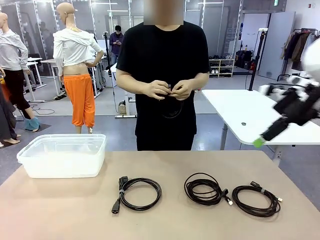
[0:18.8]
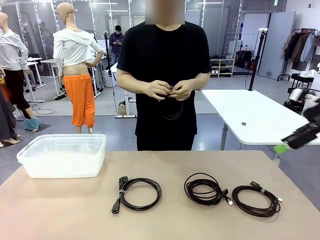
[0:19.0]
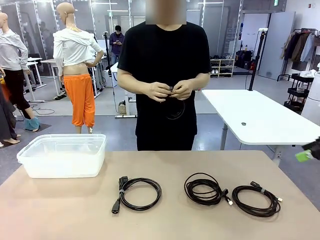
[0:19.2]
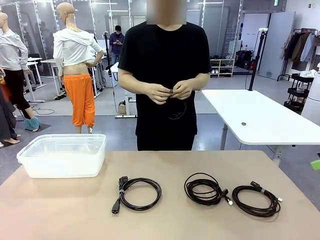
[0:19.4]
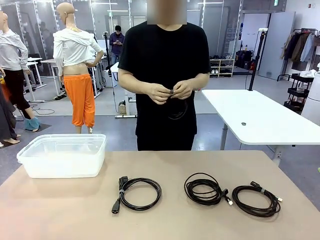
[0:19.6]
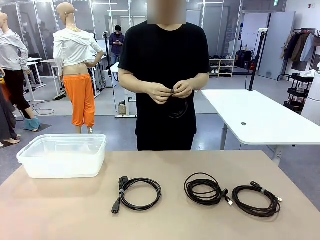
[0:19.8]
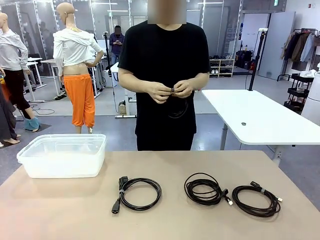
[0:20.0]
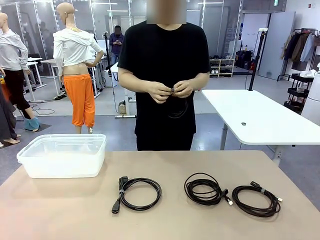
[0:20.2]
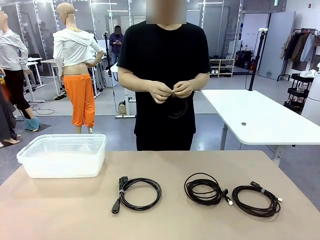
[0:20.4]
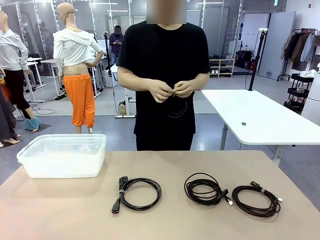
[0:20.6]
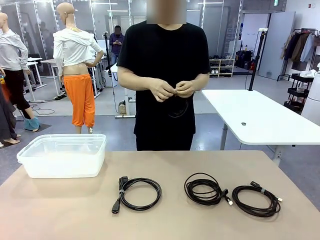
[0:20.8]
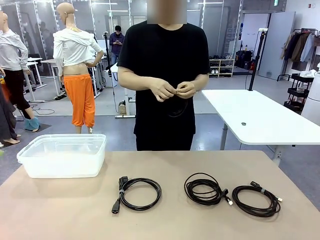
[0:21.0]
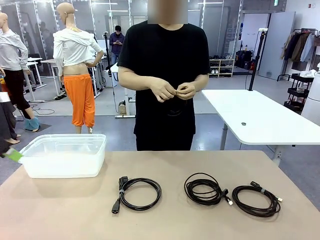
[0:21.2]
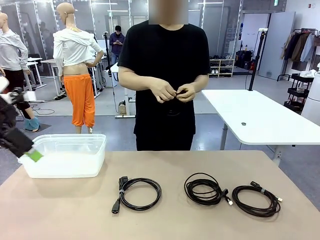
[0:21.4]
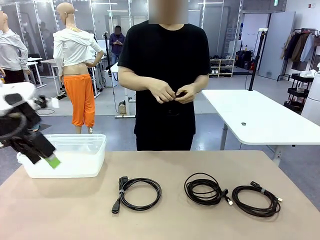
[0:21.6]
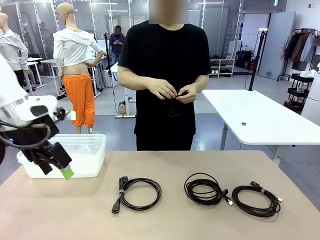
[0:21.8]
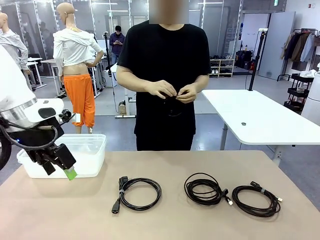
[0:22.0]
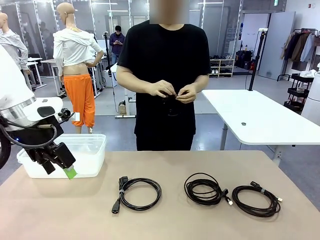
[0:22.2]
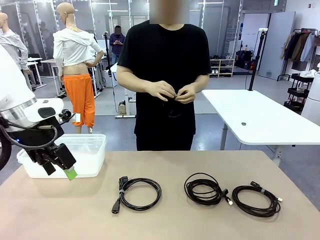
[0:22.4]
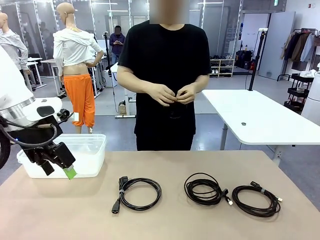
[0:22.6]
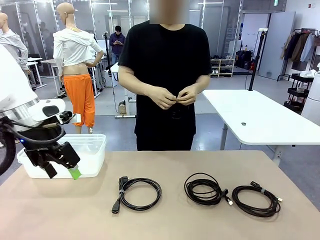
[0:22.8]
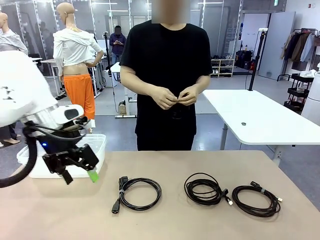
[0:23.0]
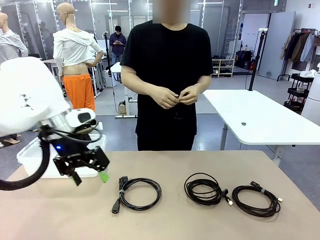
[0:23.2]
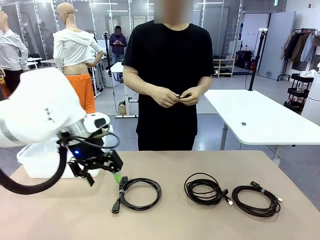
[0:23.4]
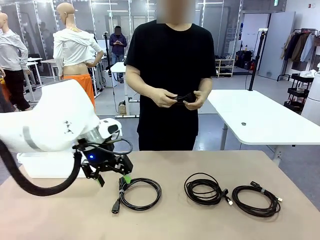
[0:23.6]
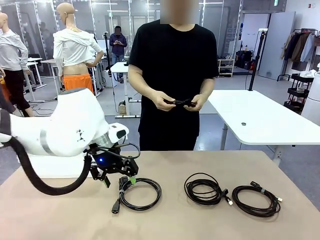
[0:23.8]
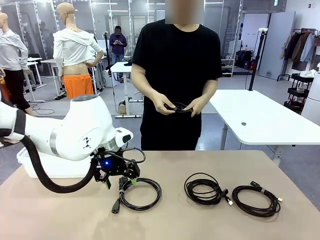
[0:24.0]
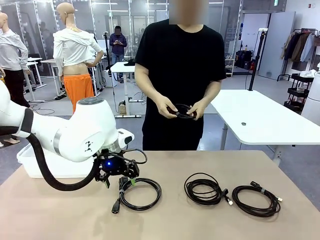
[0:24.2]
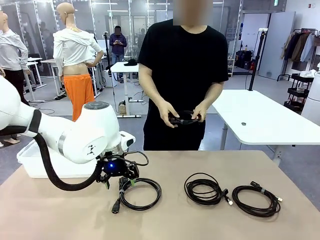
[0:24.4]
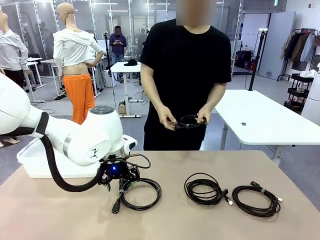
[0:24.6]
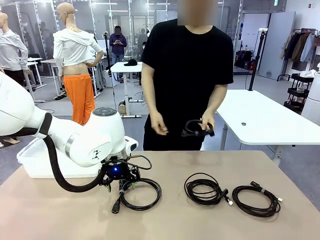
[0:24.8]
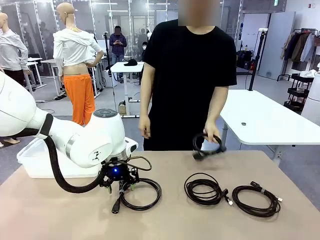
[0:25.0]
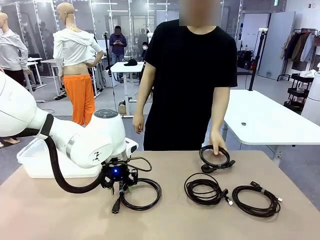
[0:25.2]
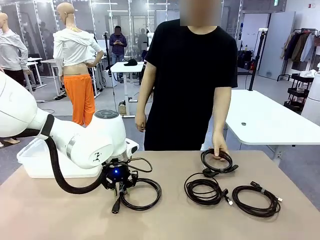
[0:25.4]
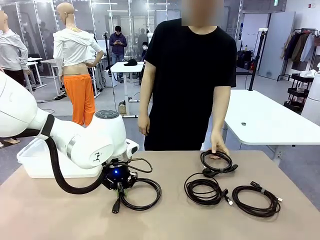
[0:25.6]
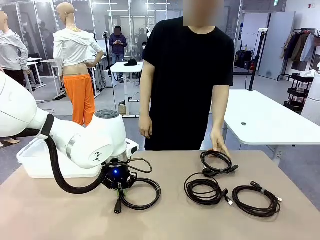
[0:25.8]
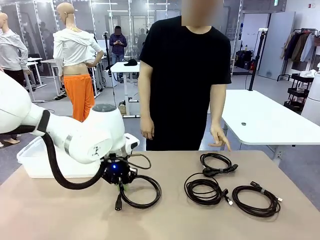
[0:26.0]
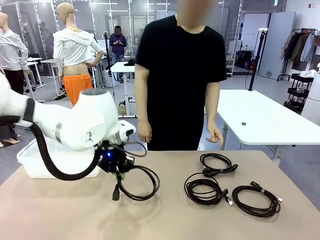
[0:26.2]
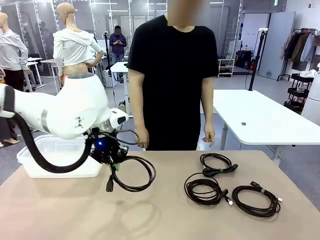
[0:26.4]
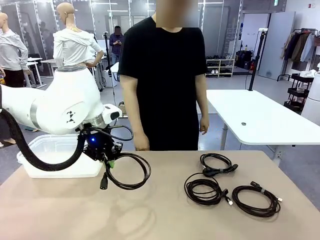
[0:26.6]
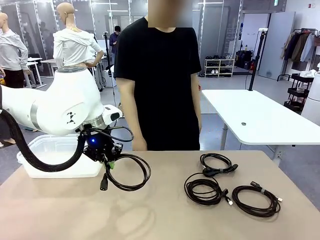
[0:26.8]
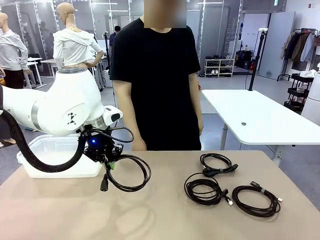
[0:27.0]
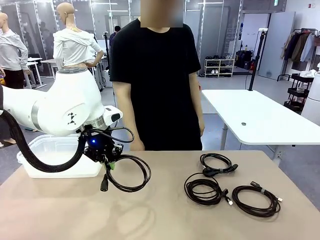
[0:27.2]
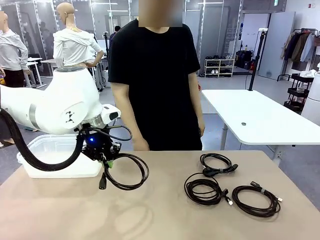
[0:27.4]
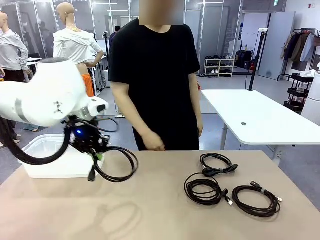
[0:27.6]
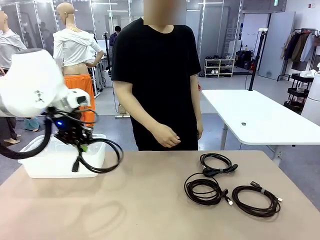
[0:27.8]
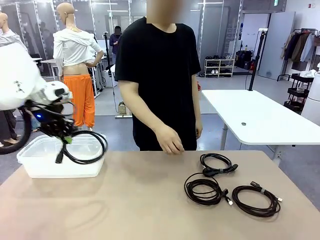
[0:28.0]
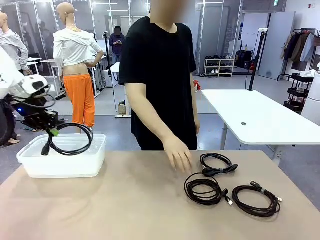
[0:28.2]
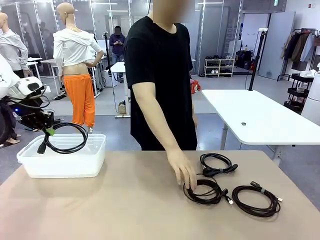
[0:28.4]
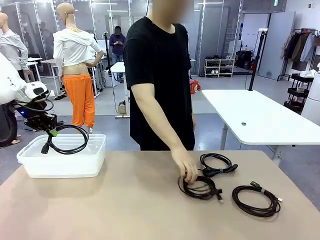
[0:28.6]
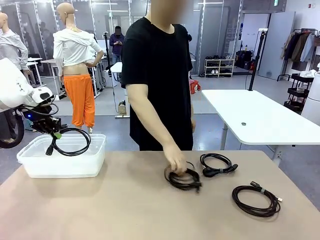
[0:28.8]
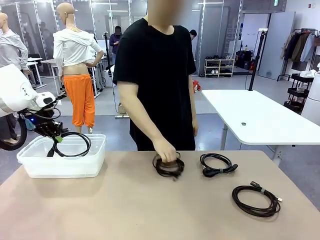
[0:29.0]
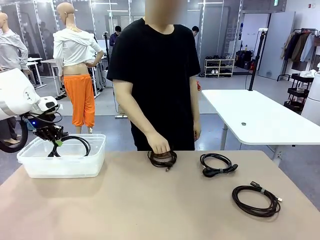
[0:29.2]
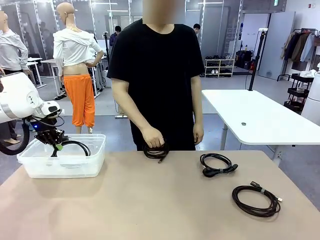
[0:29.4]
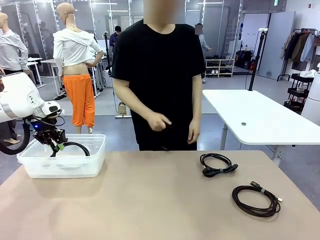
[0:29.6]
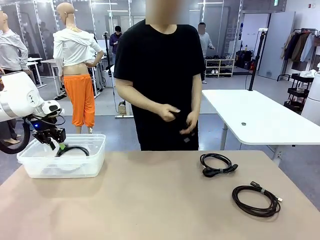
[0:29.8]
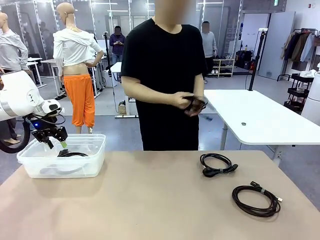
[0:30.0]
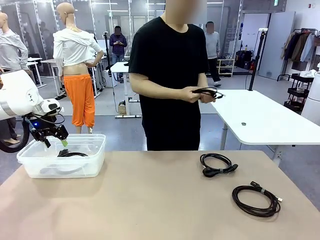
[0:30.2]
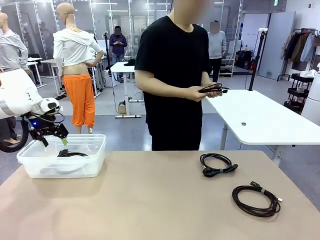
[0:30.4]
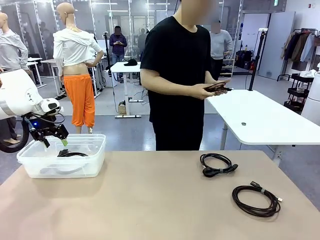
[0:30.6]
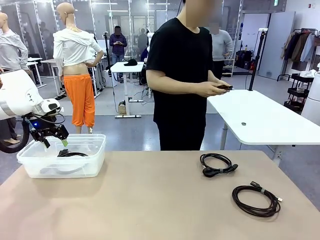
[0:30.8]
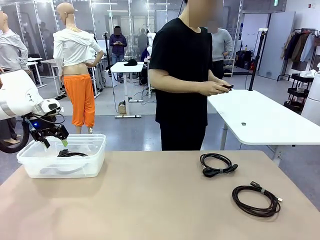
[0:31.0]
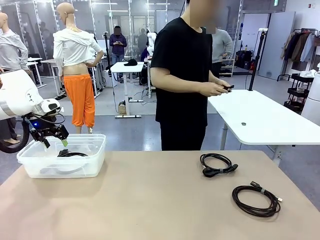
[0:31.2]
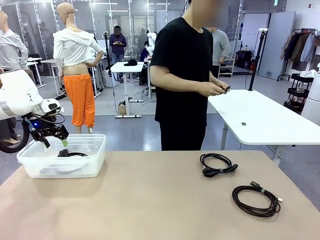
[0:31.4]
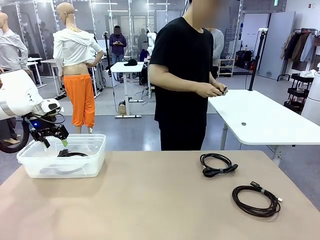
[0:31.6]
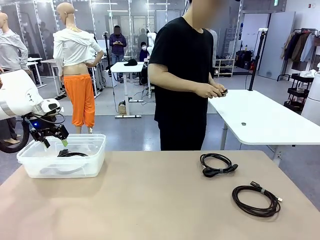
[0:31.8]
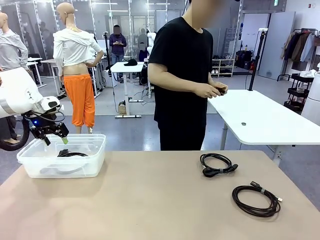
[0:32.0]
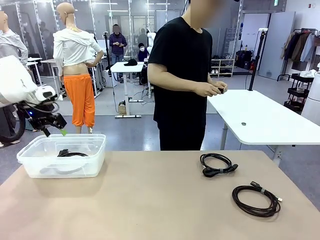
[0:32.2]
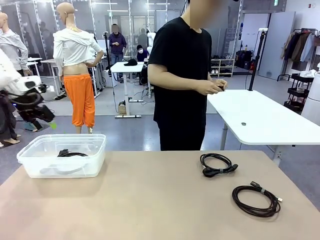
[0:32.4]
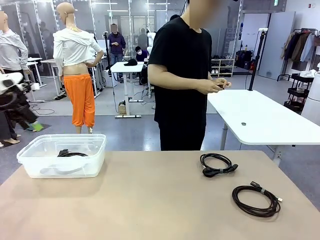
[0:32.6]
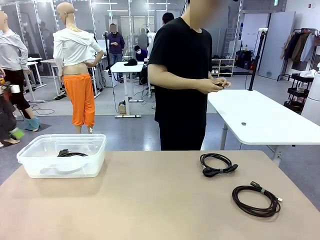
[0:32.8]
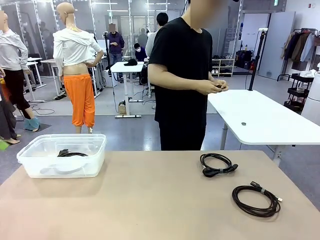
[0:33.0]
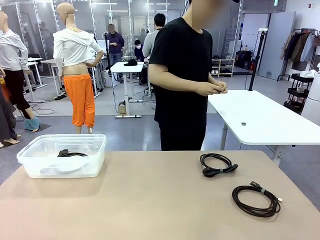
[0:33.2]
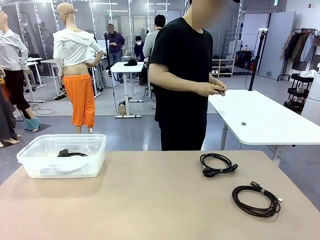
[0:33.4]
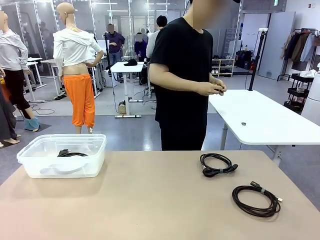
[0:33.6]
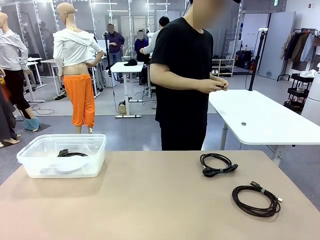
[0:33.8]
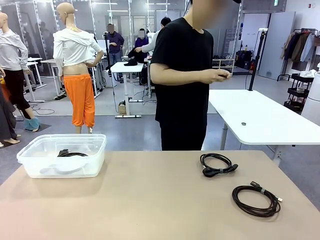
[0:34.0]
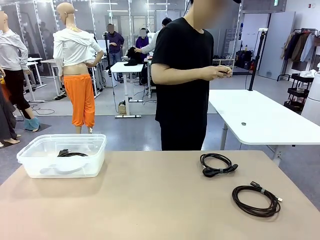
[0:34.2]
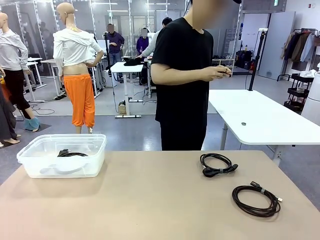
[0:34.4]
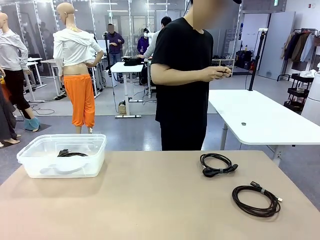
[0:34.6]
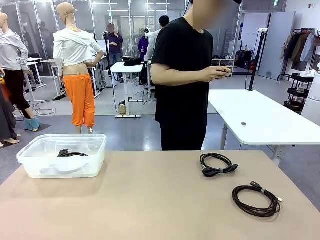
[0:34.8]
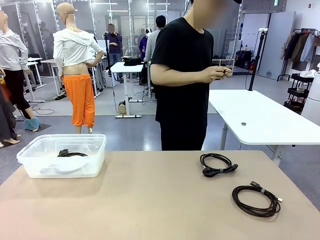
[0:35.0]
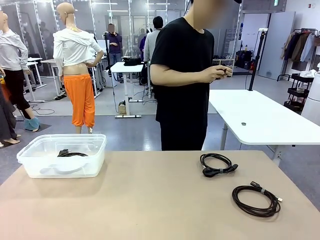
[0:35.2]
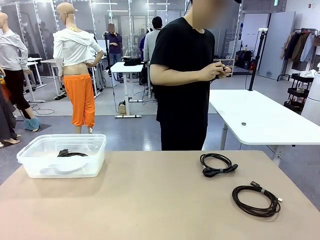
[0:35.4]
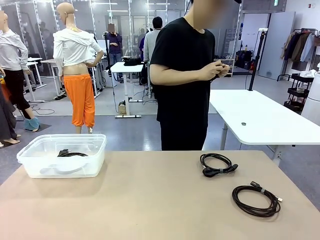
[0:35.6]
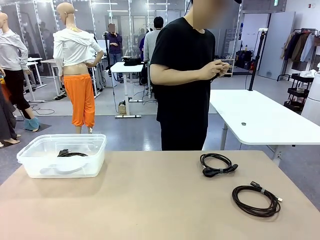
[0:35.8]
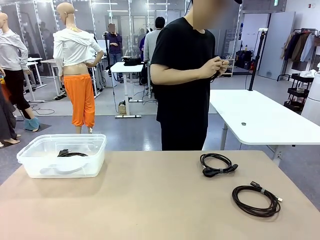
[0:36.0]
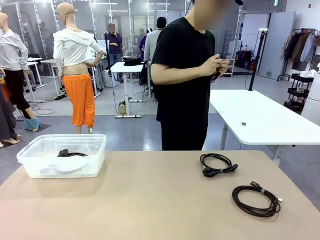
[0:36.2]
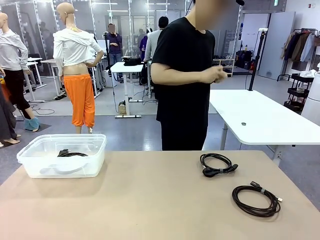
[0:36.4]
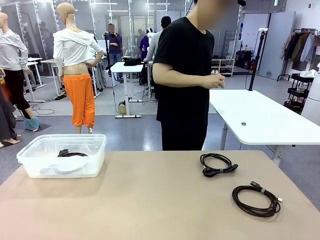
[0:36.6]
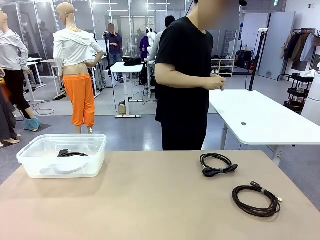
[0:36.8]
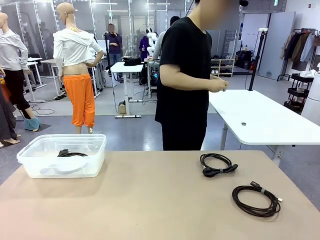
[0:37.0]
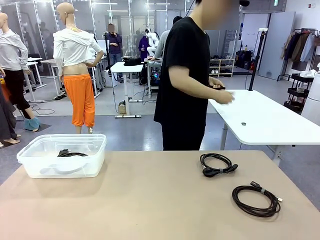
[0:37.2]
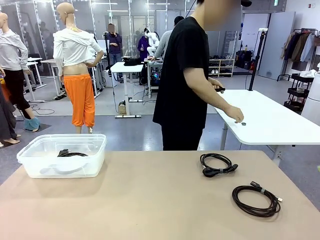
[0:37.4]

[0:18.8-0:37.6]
Task: Organize and store the cables.
Robot: Place the Power Cable into the Organizing box.
